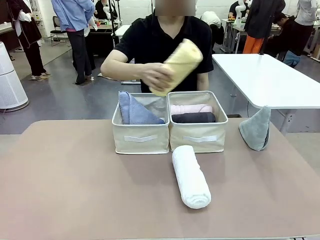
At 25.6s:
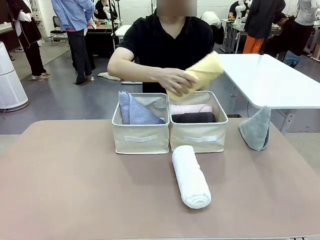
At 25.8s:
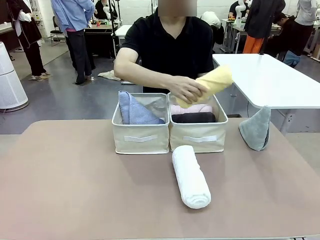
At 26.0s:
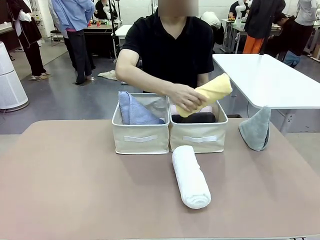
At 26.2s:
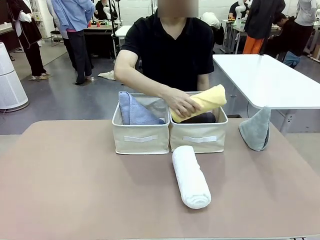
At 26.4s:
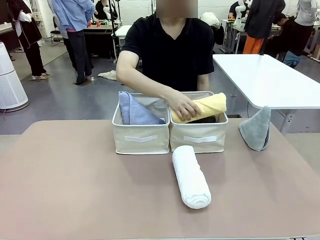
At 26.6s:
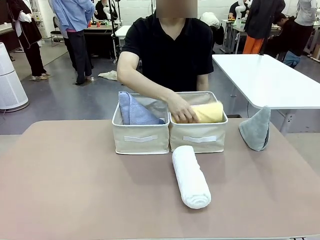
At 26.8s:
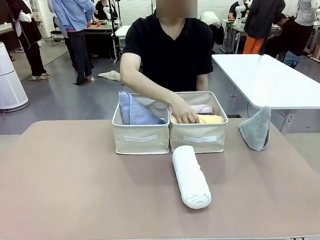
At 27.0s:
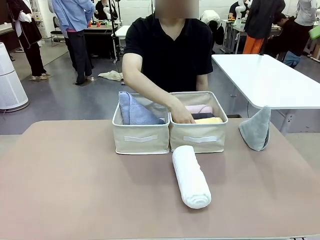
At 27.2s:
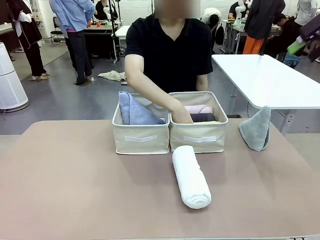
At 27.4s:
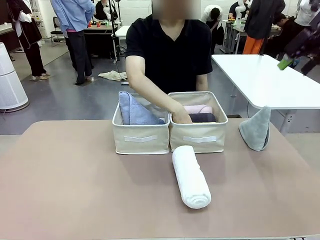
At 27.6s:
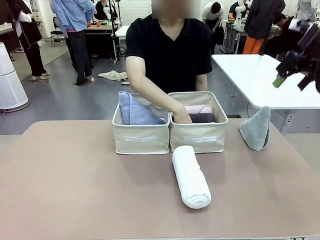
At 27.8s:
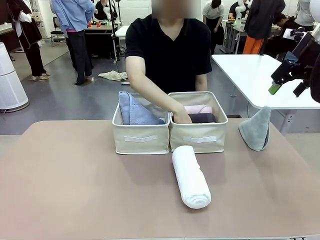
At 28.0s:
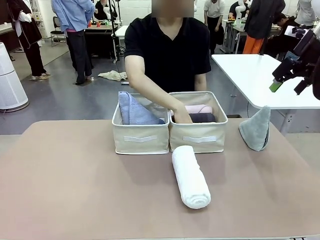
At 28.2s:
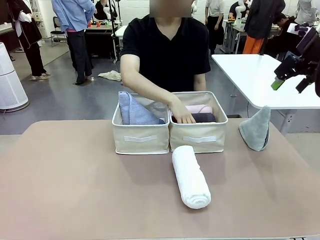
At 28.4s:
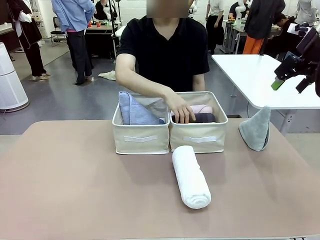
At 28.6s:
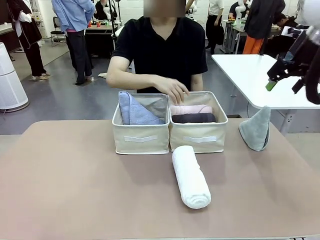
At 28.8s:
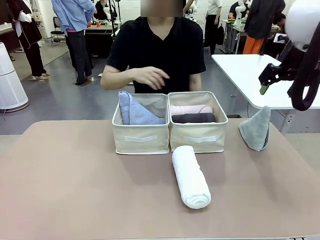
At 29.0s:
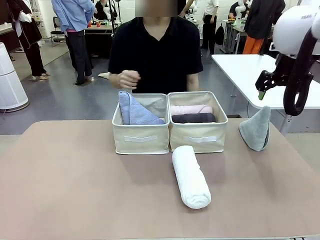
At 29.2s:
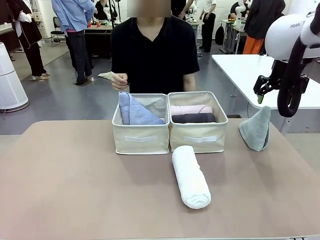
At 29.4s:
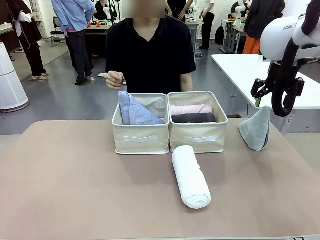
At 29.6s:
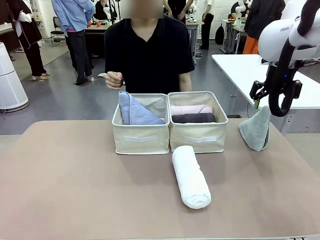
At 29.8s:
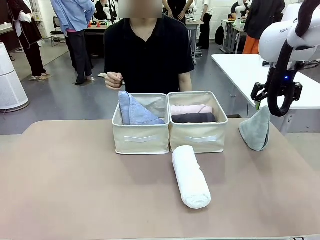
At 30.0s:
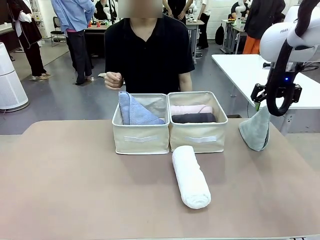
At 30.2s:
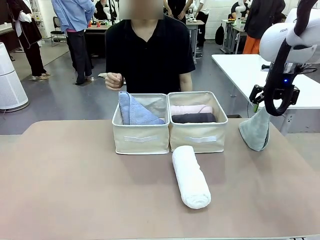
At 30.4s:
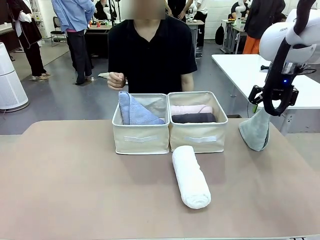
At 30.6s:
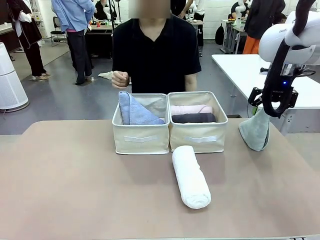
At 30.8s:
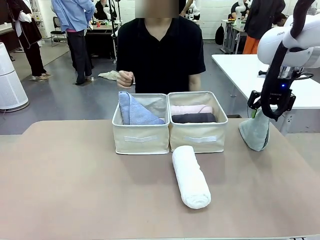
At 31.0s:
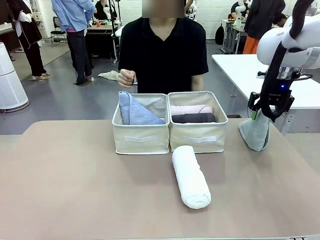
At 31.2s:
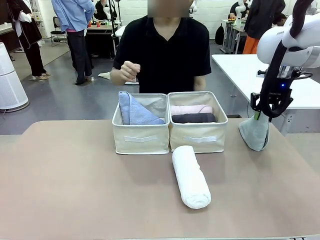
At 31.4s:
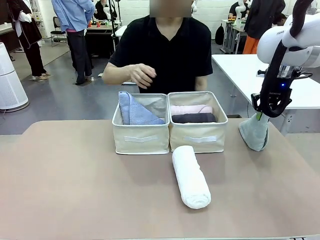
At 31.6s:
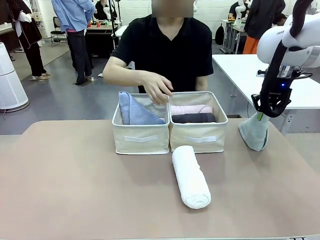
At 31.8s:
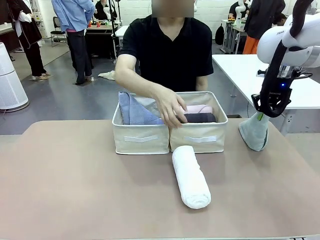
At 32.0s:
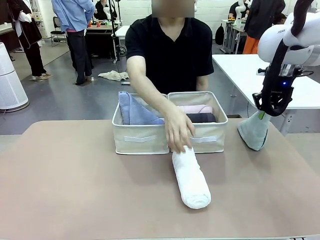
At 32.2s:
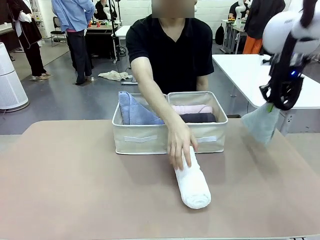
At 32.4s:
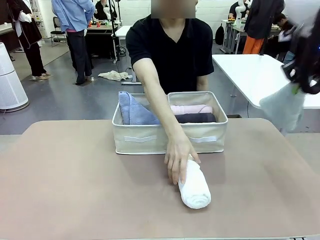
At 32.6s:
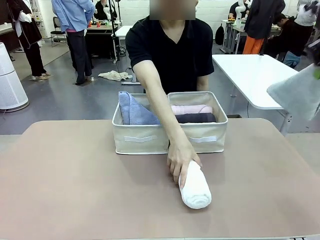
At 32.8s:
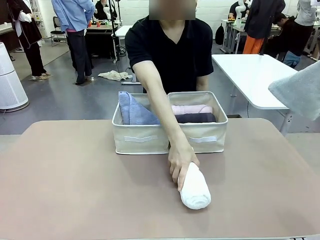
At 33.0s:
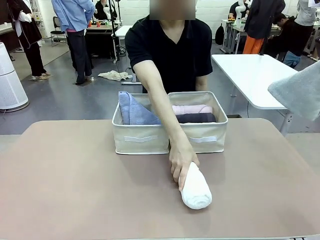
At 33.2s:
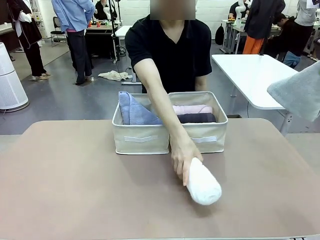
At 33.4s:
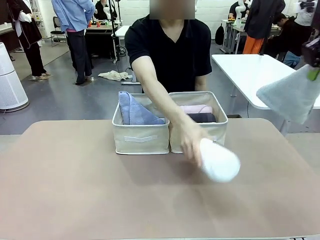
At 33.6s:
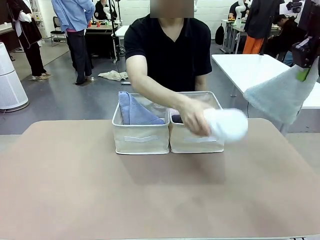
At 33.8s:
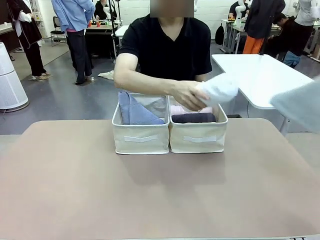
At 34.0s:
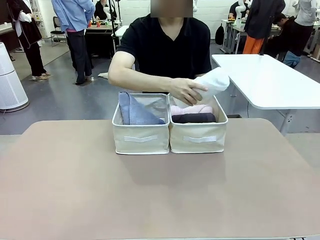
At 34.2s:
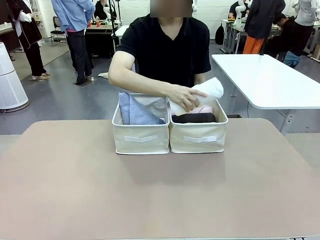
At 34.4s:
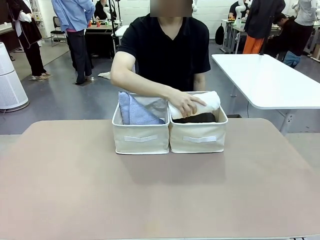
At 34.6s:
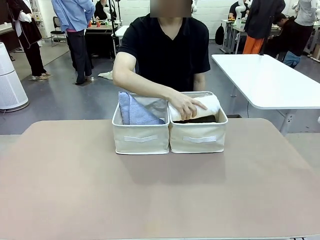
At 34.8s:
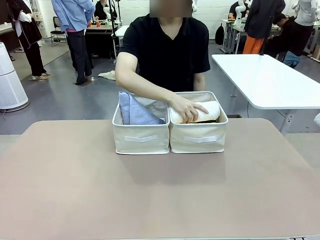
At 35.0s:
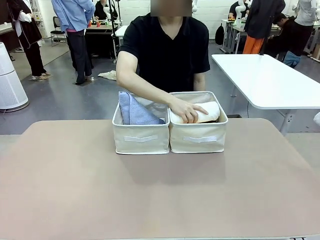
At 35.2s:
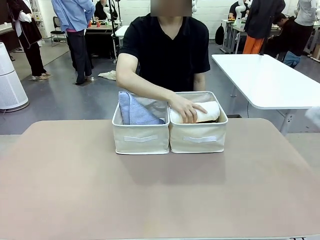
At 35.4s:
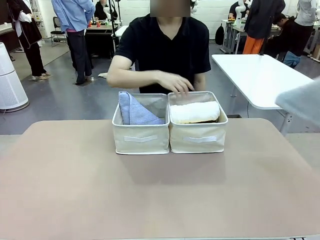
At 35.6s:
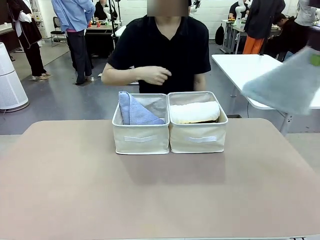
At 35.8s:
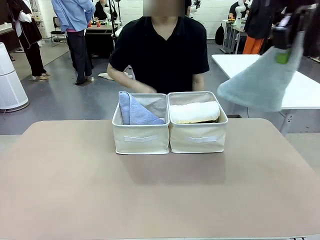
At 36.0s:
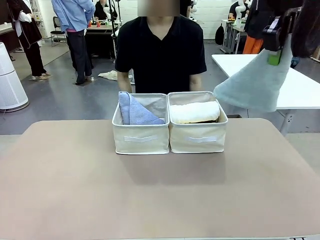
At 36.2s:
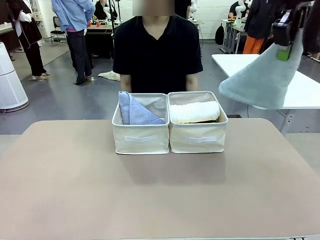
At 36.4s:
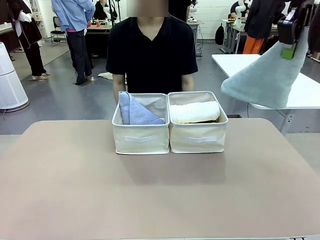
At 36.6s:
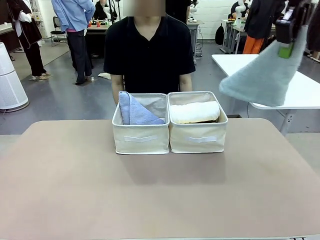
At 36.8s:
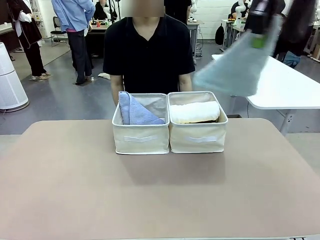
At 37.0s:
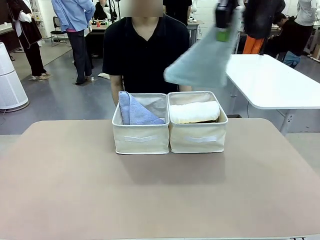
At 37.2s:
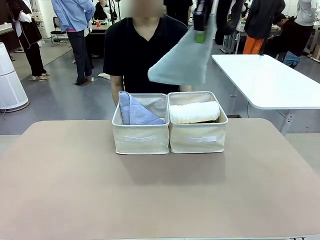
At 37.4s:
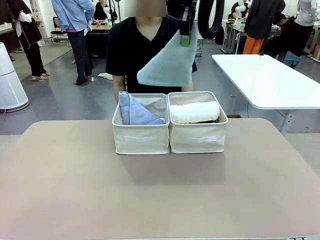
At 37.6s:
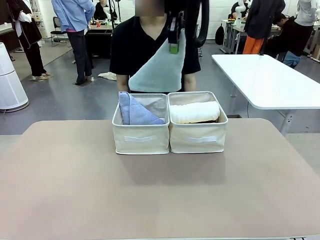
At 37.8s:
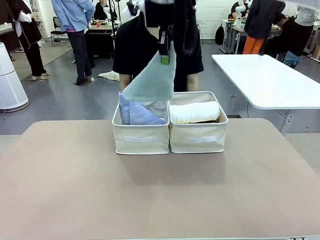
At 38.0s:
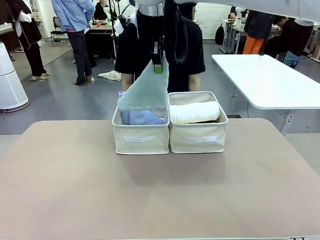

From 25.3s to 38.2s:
Task: Sort the towels based on their folding style.
Robot: Pick up another triangle-folded towel from the table and place it in the left Fabric basket.

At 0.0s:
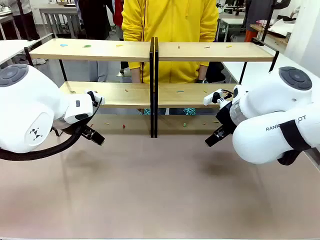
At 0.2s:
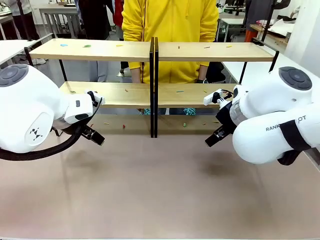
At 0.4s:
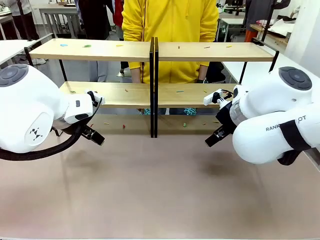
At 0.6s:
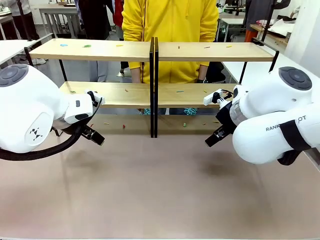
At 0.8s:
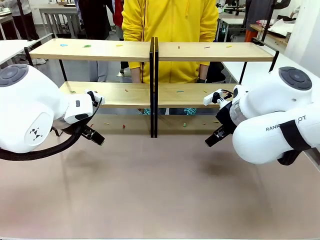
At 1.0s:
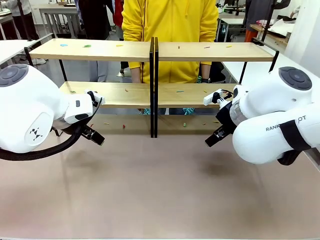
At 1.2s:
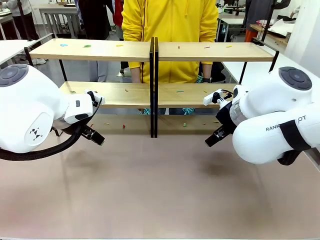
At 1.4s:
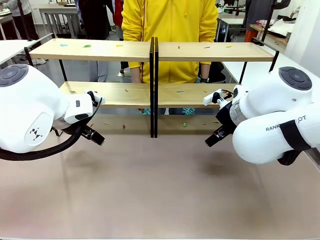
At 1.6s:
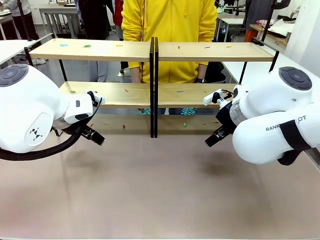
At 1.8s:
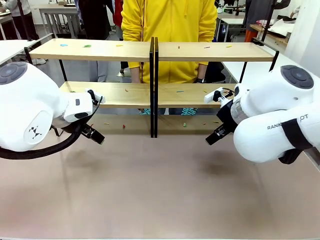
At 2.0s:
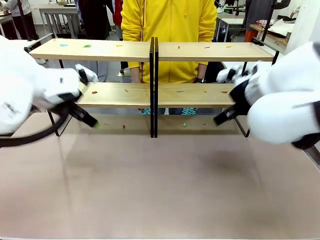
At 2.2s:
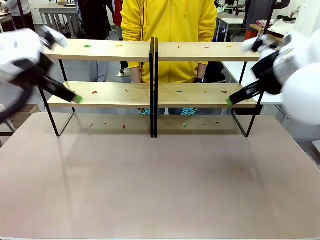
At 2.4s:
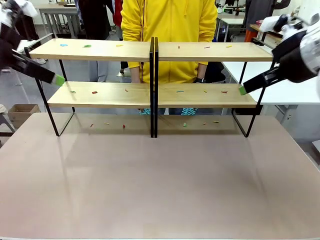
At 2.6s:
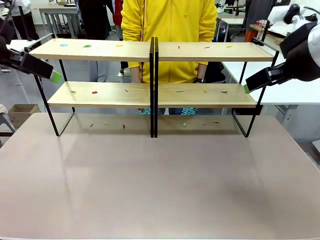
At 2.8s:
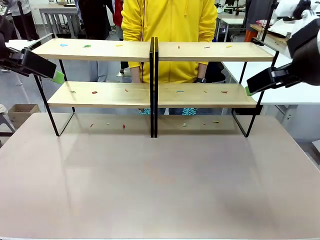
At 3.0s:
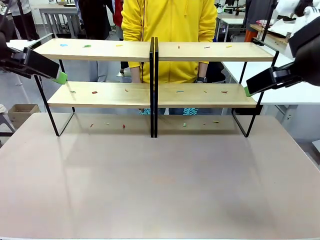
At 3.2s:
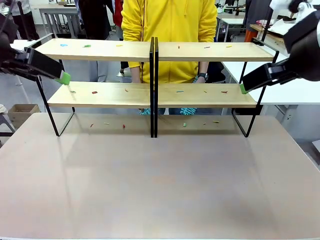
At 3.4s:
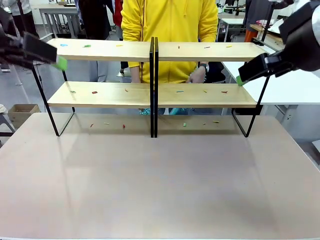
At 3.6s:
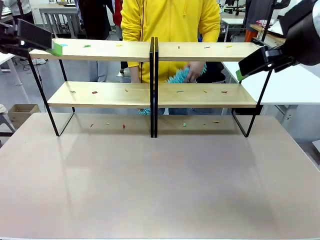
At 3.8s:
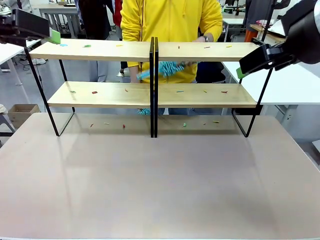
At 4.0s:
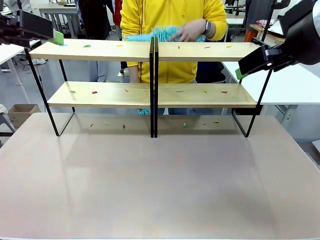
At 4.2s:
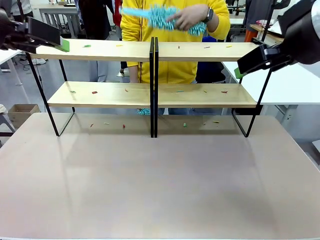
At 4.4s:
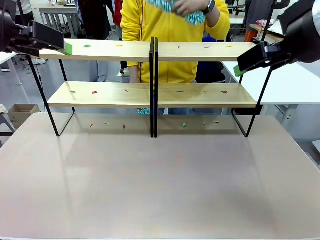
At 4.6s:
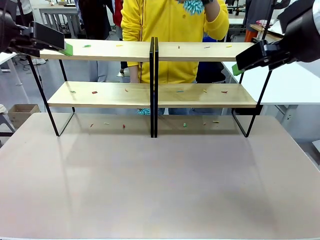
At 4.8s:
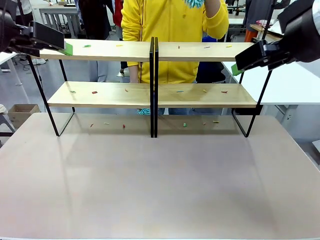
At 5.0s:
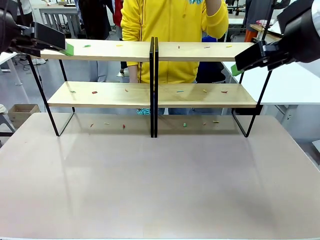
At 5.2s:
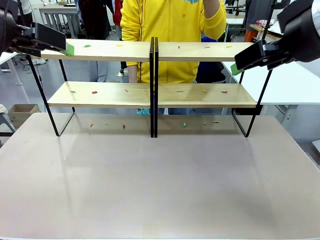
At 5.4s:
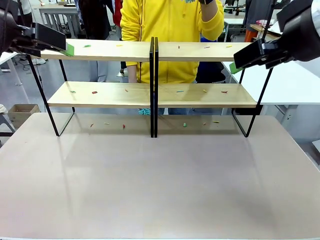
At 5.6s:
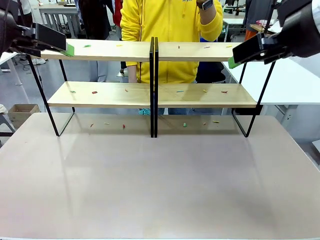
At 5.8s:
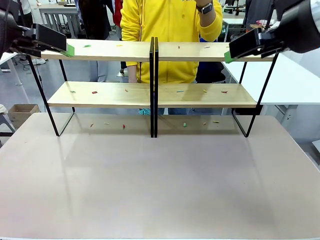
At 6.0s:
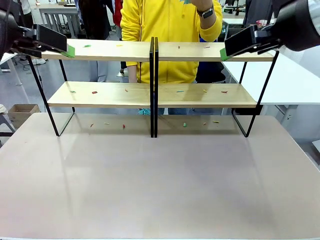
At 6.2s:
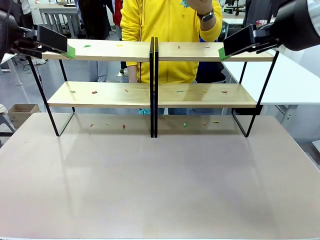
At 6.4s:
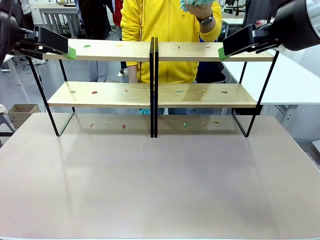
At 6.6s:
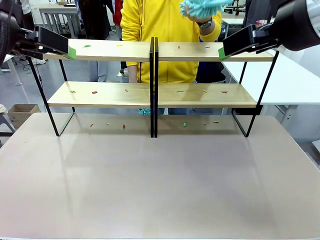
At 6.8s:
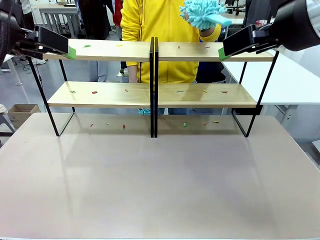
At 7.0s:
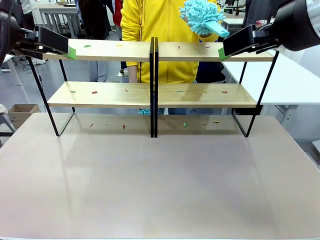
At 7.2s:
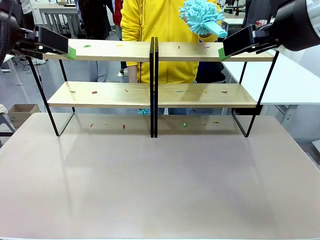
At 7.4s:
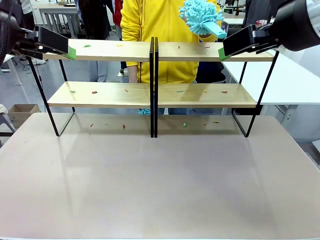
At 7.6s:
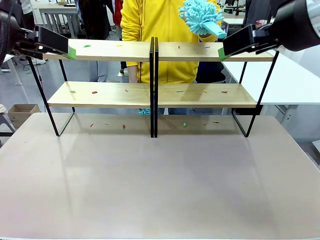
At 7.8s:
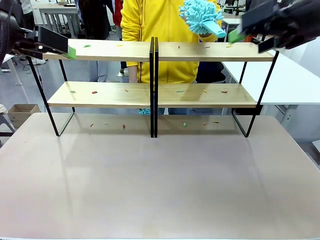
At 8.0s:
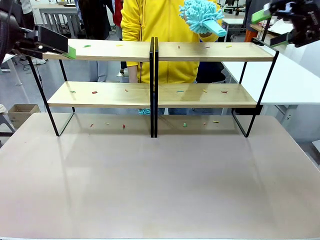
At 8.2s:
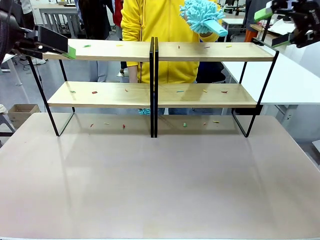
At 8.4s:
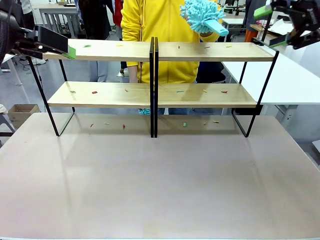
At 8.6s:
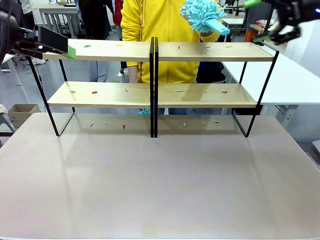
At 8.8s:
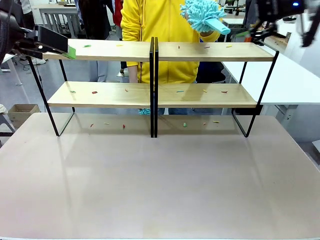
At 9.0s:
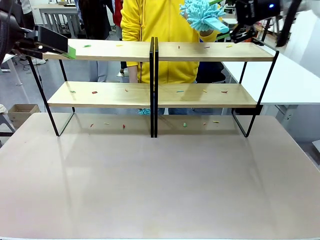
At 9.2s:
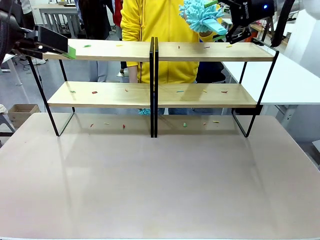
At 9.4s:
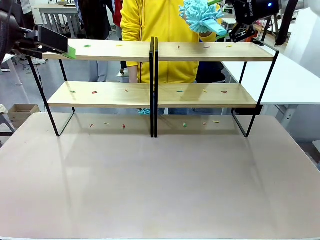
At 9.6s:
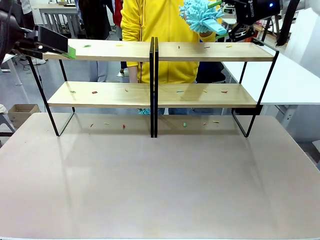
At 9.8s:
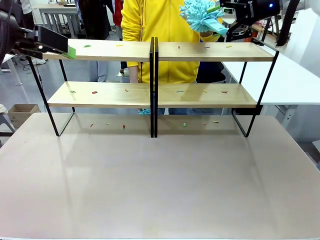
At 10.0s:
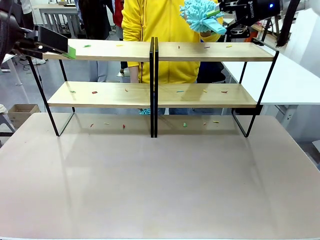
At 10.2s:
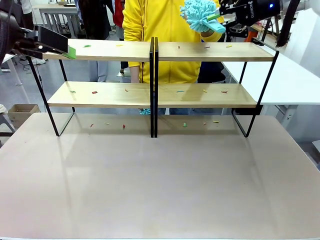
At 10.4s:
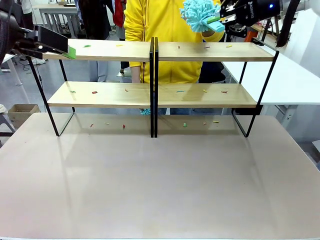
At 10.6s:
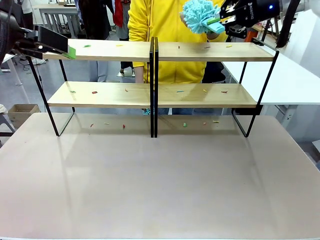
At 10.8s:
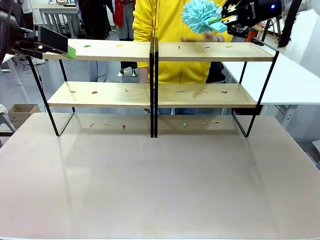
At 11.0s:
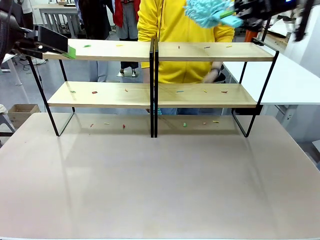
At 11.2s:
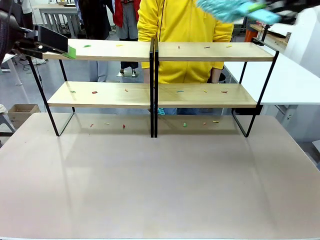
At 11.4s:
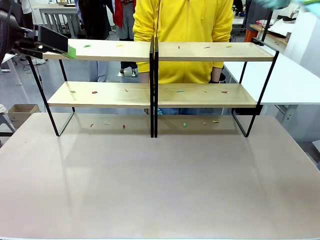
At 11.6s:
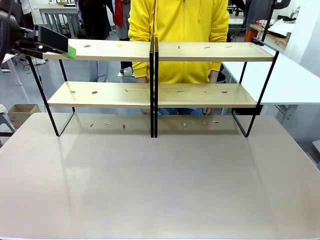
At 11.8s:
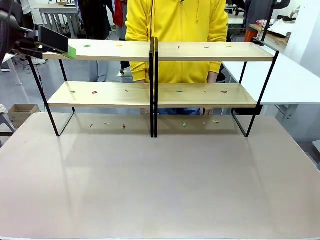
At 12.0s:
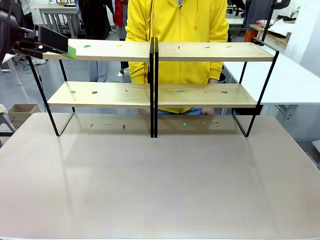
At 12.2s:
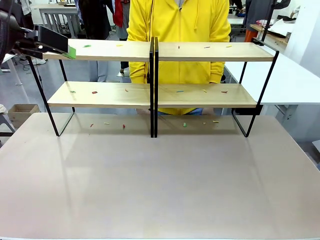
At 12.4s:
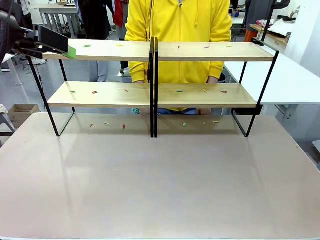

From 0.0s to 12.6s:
Task: Clean the shelves.
Robot: Pick up the Duster when the human hands it over.
Person: Hand the Duster to the robot with your right (or left) hand.
